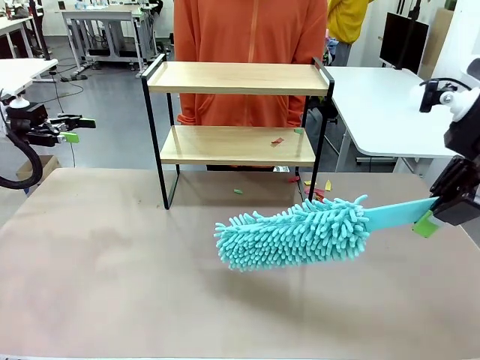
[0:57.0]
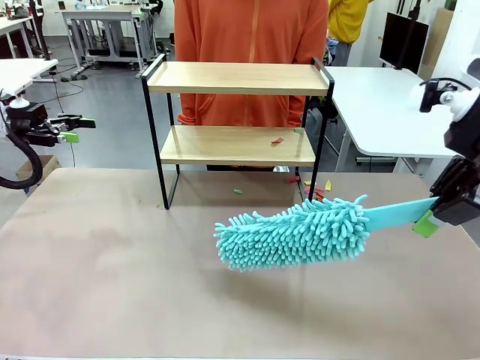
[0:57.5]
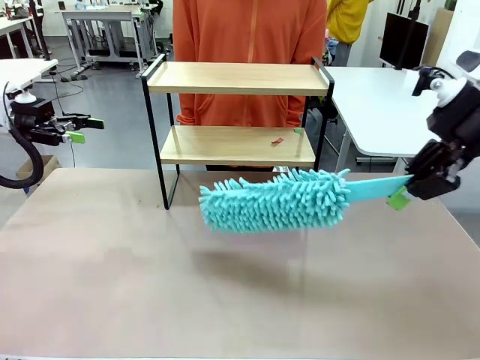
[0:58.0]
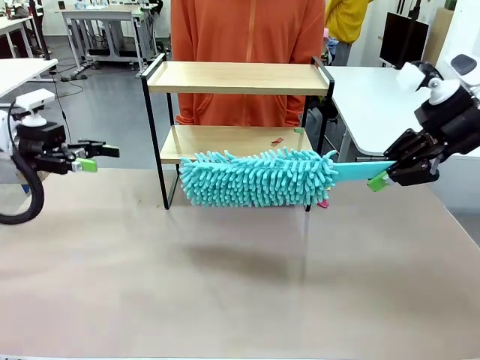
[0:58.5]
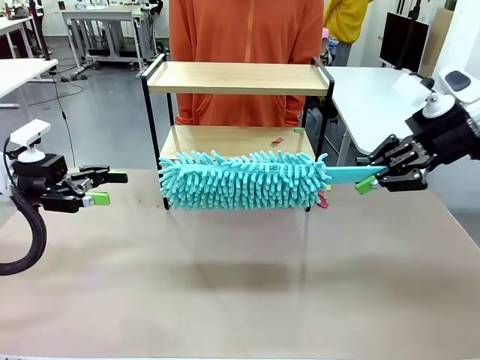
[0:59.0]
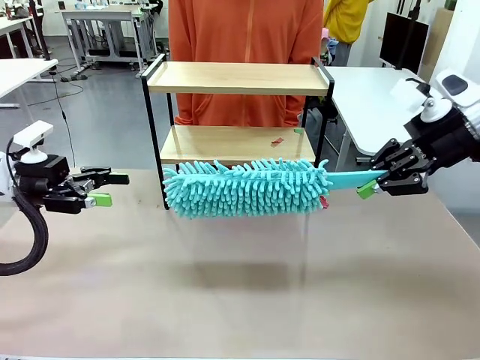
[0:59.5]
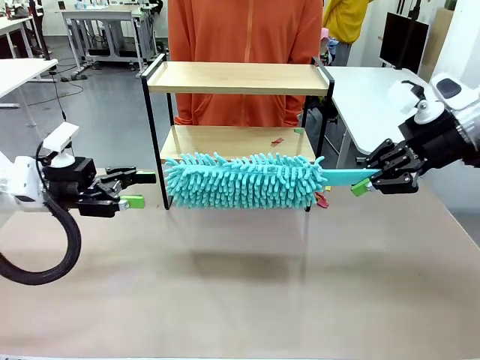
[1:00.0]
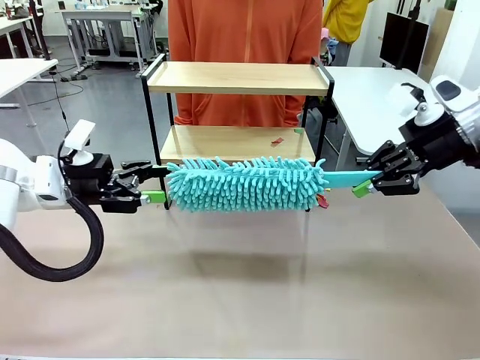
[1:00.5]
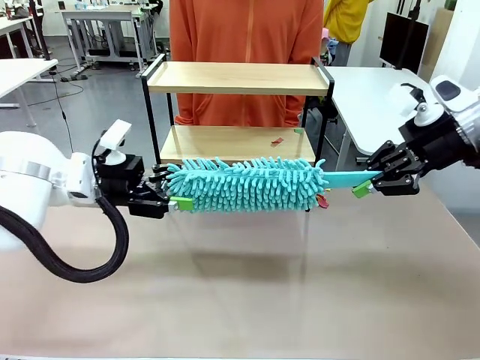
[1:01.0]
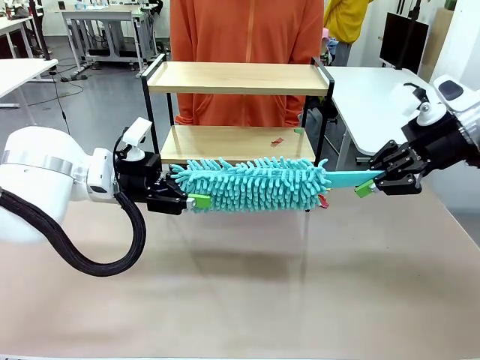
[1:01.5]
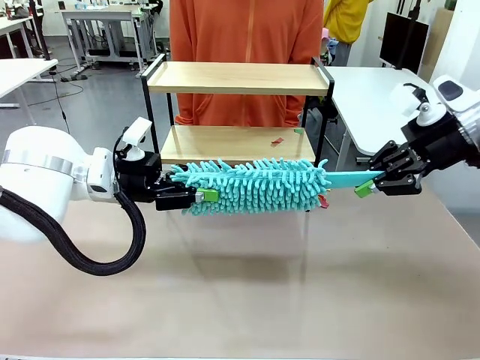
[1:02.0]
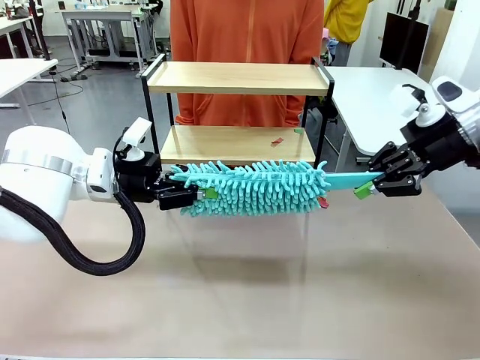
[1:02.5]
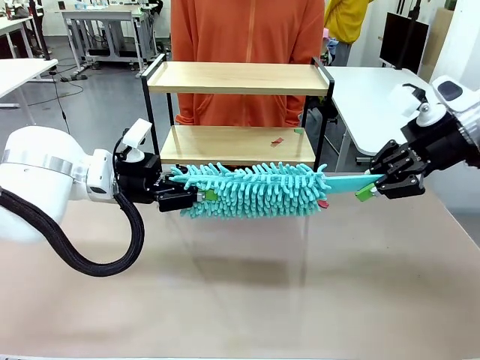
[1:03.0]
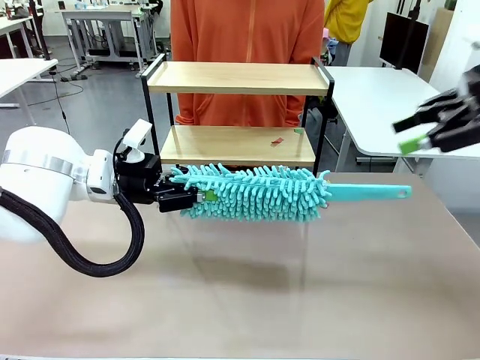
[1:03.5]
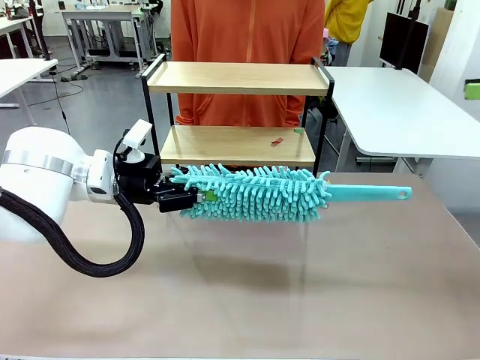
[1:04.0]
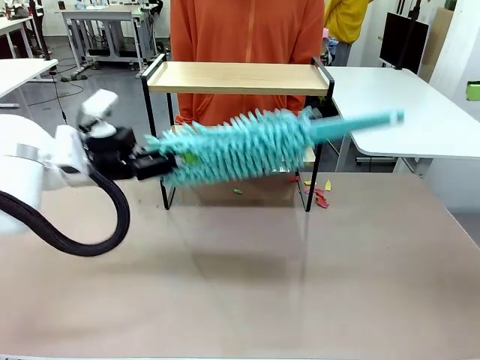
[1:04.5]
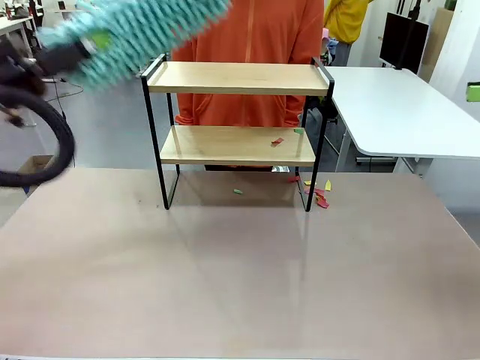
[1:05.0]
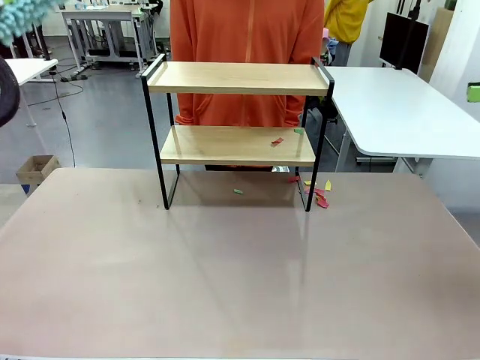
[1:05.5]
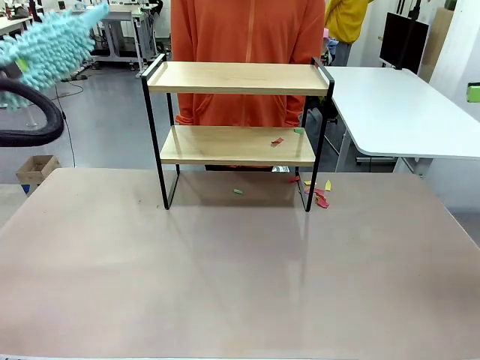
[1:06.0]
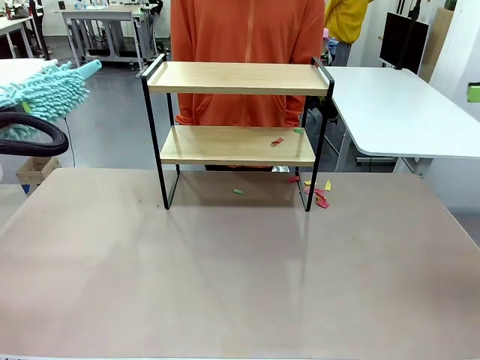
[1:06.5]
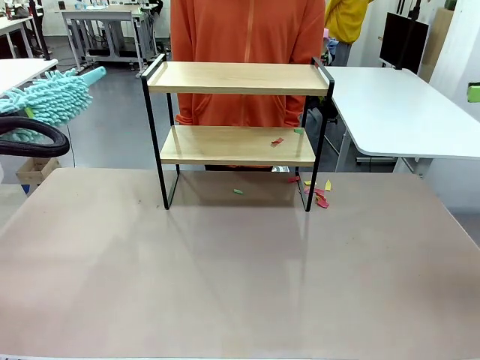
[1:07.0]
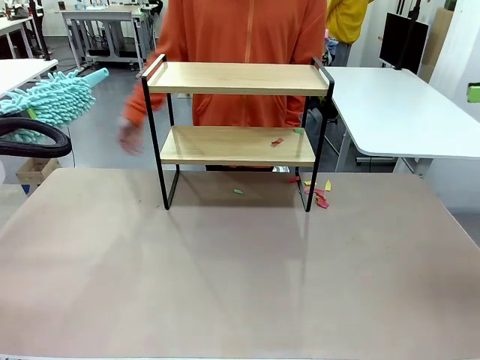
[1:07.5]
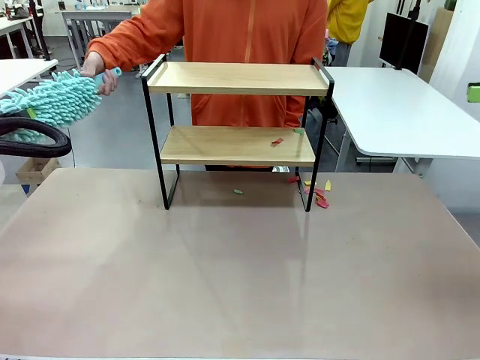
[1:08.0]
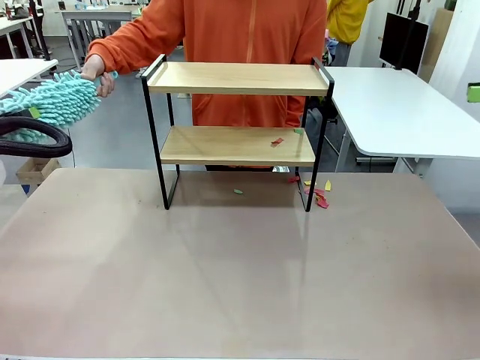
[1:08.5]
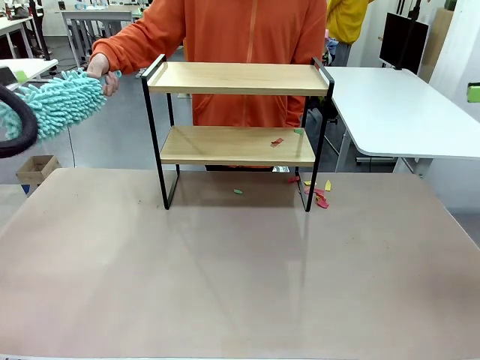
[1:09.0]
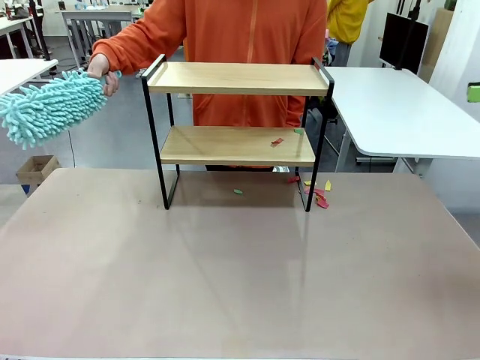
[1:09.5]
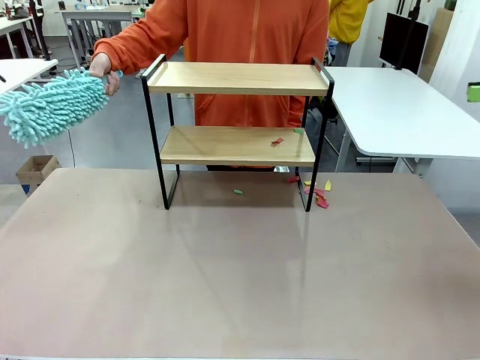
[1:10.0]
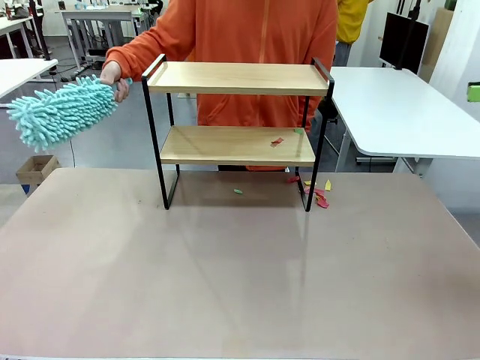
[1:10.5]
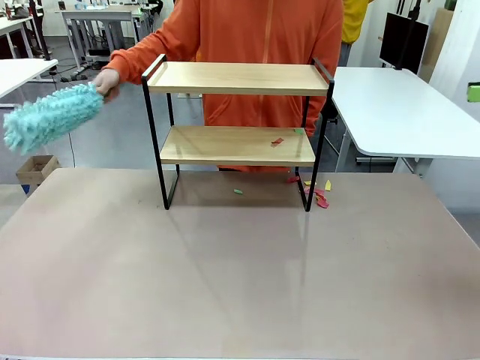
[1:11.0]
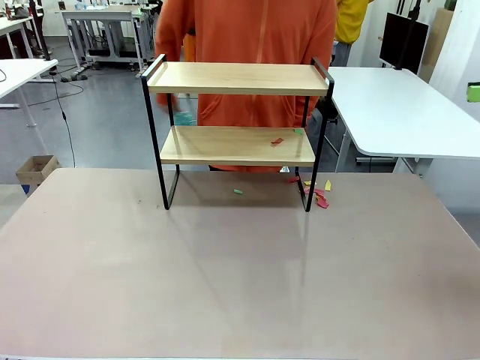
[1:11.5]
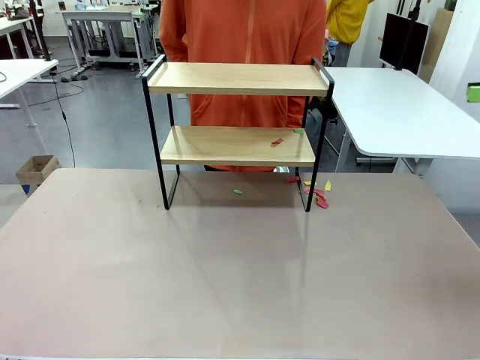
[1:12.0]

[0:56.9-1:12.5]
Task: Clean the shelf.
Robot: Hand the Duster back to the human.
Person: Receive the Duster from the robot.

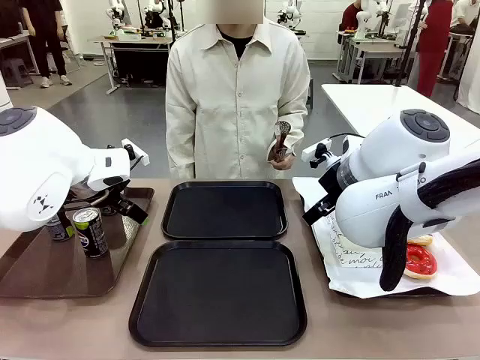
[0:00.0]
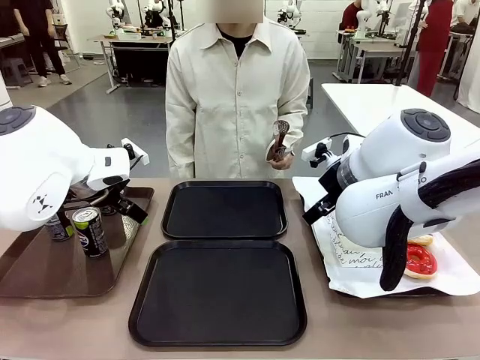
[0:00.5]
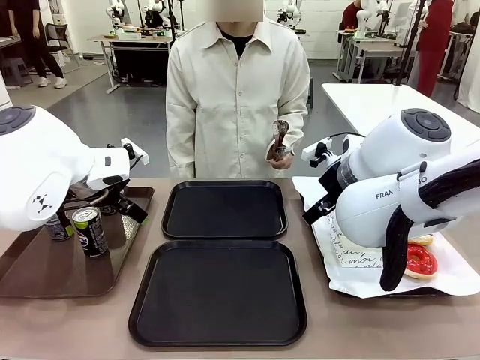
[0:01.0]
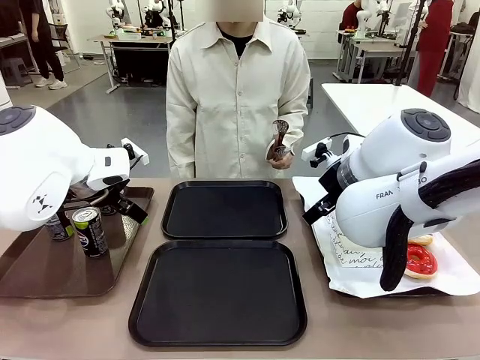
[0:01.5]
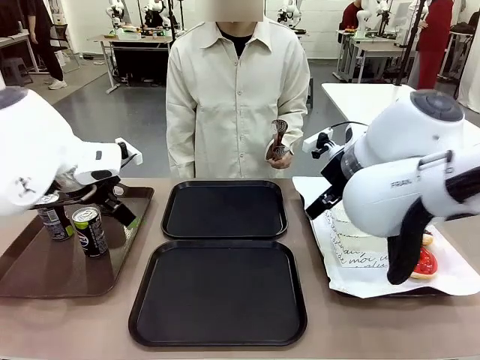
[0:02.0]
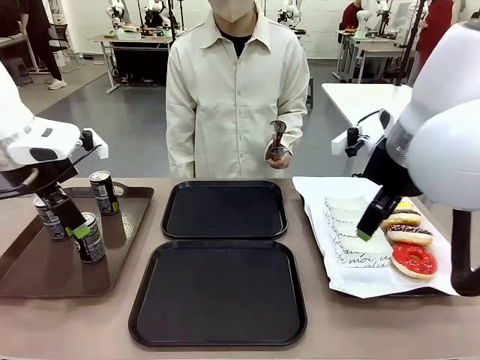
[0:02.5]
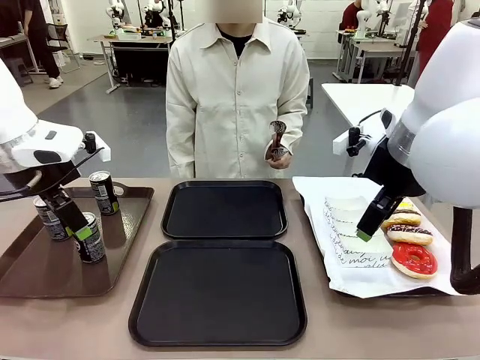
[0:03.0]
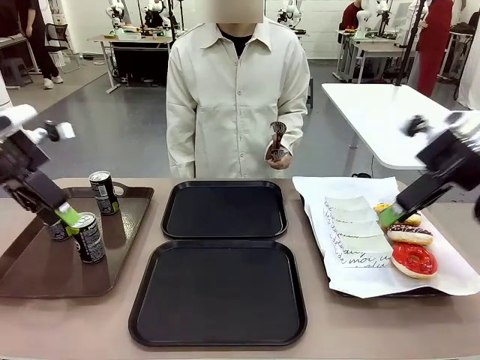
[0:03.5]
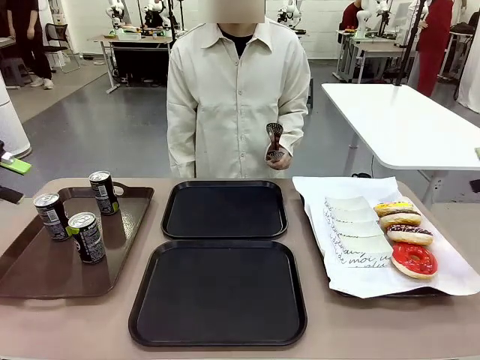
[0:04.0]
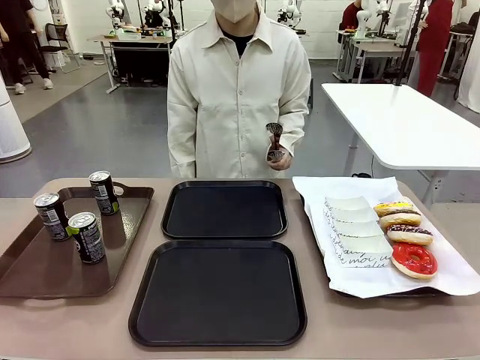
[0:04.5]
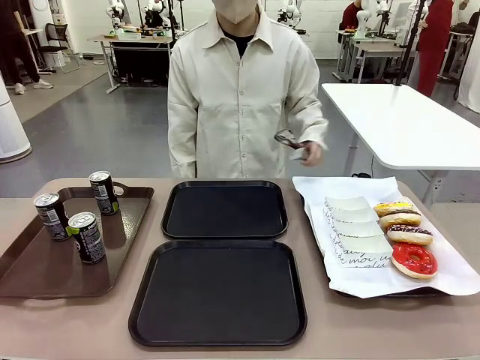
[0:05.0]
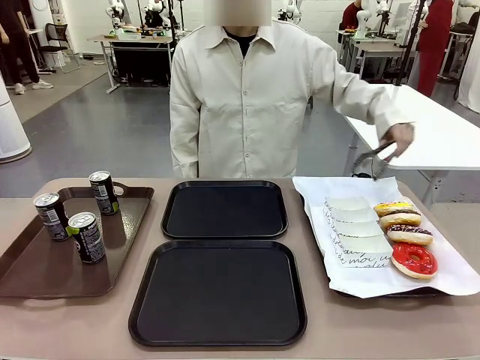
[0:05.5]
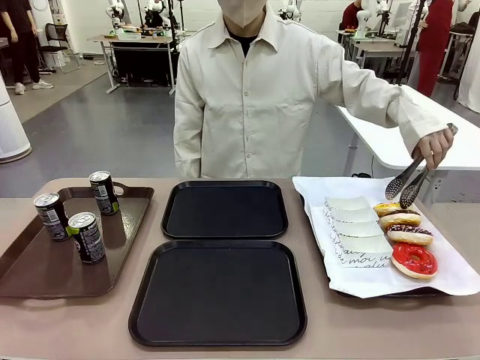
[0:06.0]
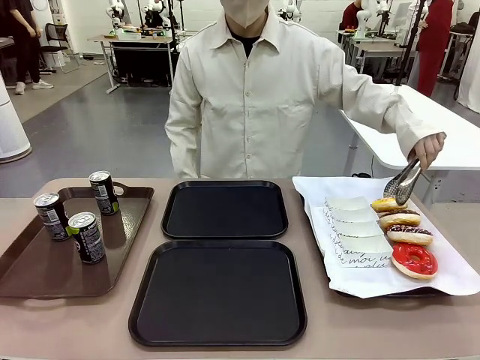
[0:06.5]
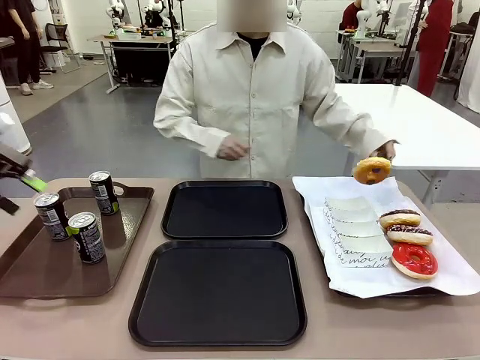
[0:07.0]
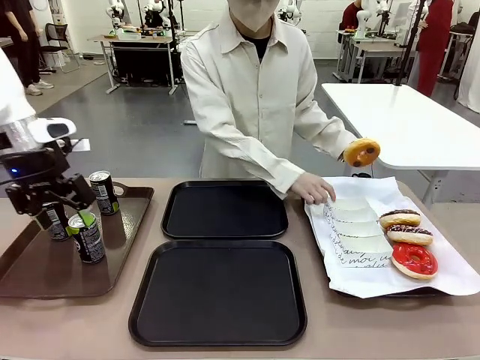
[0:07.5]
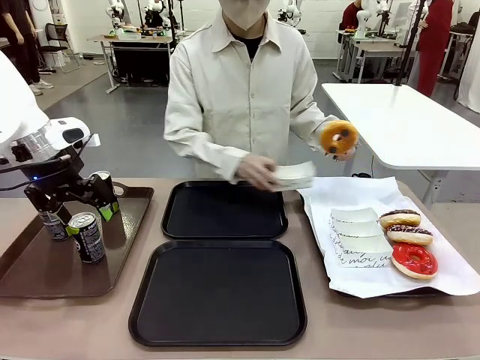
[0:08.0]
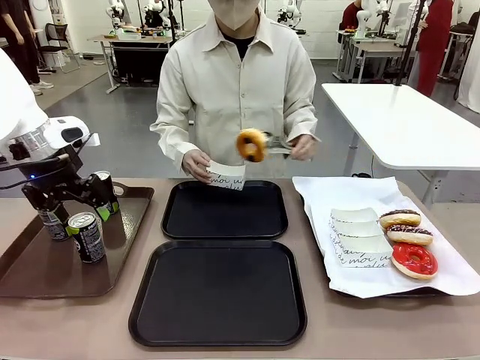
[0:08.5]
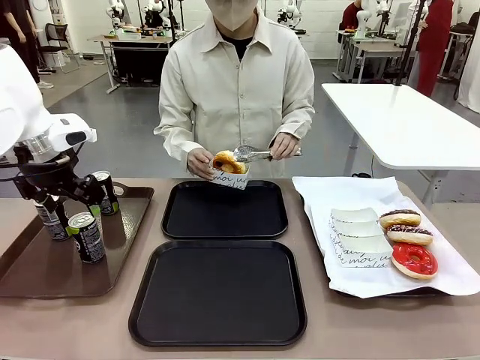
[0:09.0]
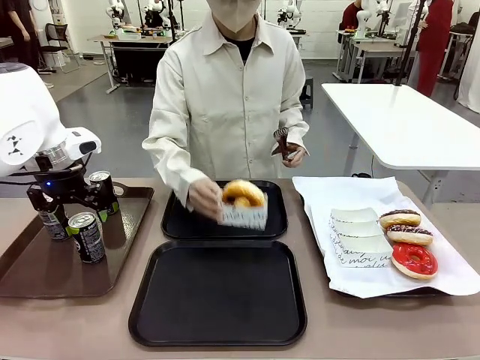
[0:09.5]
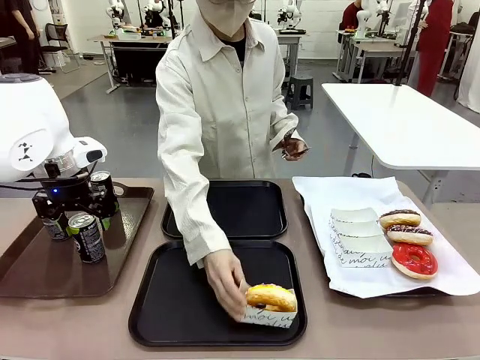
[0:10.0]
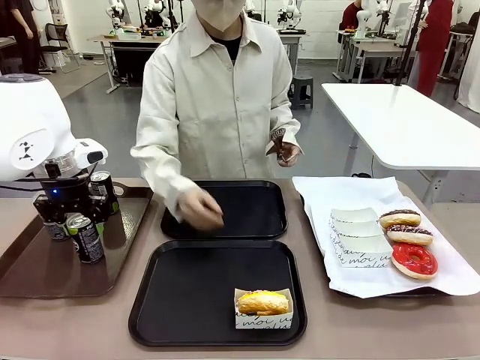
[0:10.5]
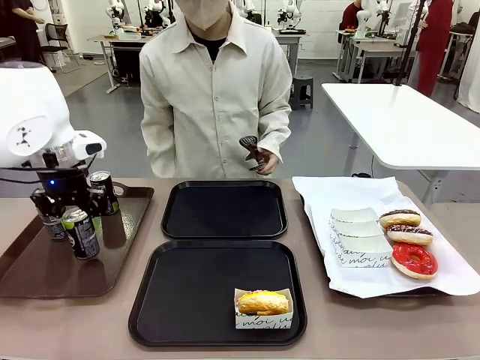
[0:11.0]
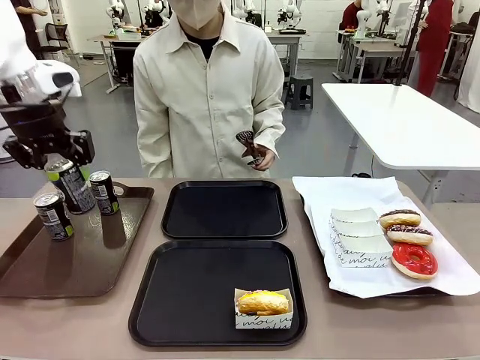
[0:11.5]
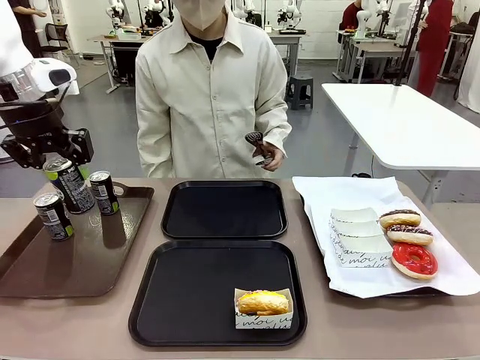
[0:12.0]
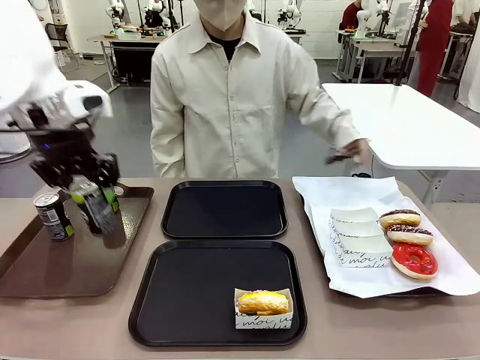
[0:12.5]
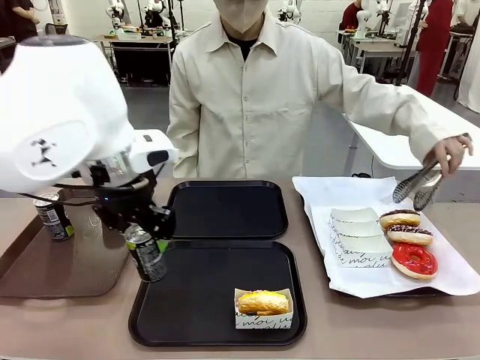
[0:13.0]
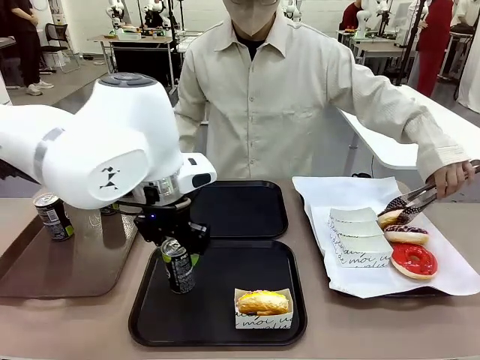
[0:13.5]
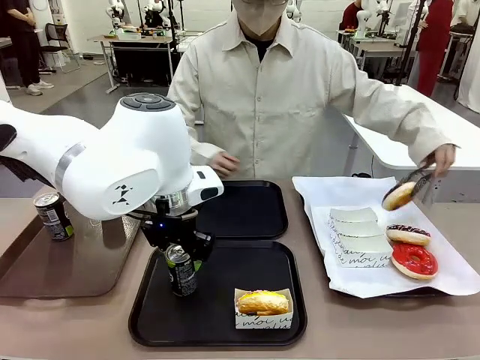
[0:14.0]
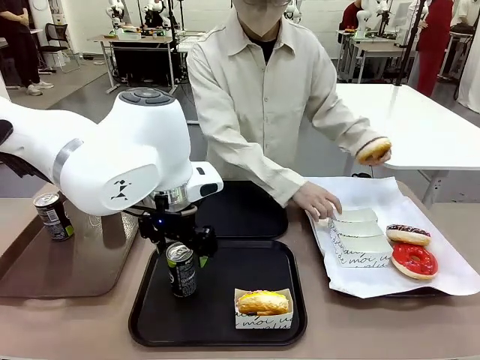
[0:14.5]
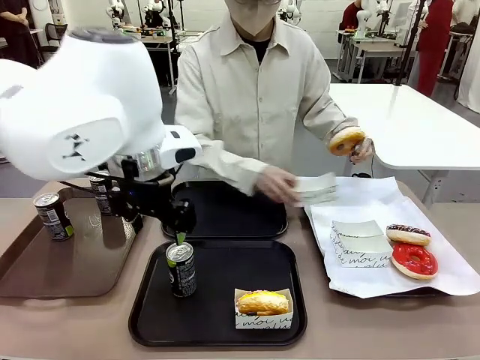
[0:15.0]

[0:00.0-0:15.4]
Task: Set up donuts and drinks on trays.
Robot: Pick up one Pepsi coke and place it on the Flat Tray.
